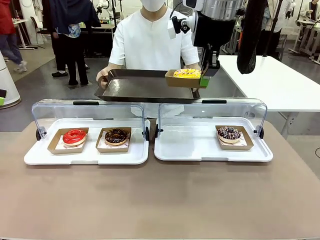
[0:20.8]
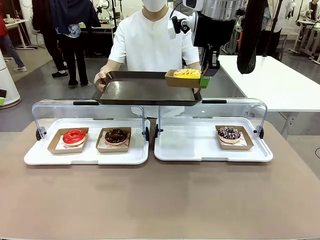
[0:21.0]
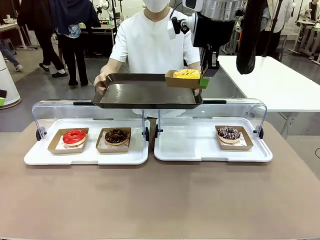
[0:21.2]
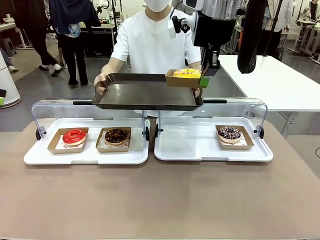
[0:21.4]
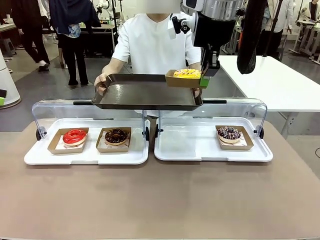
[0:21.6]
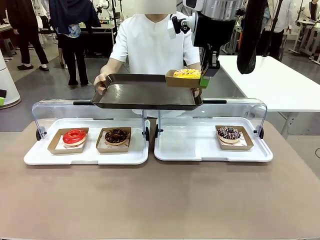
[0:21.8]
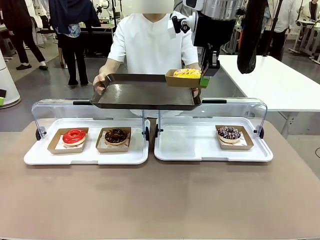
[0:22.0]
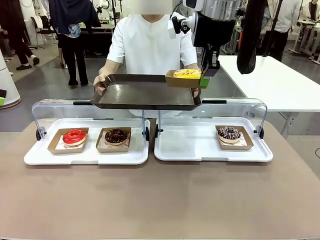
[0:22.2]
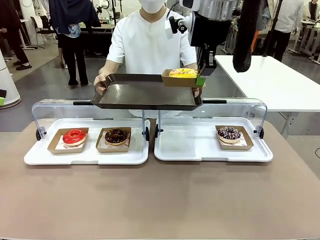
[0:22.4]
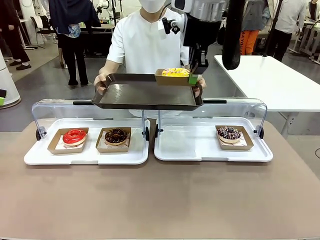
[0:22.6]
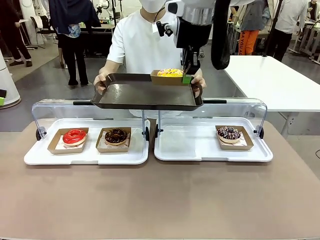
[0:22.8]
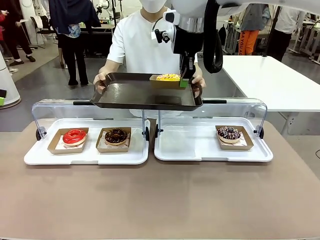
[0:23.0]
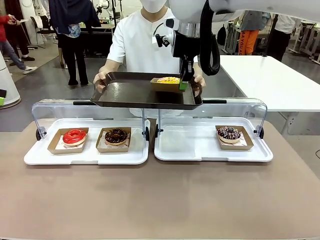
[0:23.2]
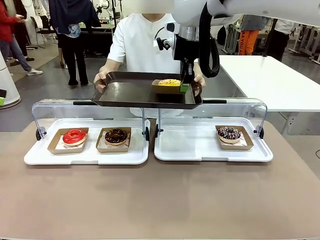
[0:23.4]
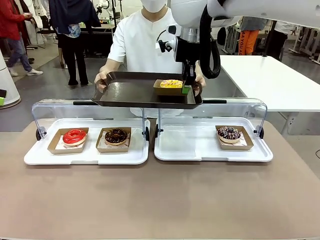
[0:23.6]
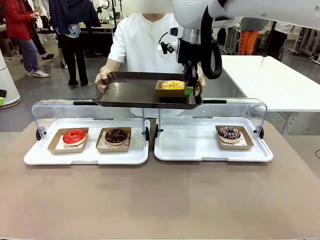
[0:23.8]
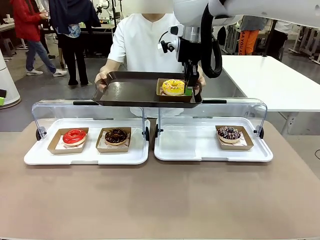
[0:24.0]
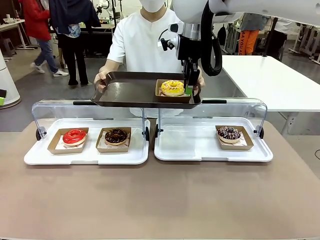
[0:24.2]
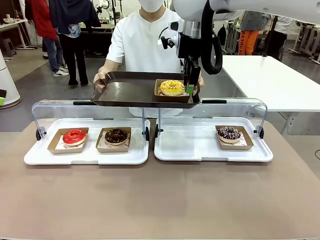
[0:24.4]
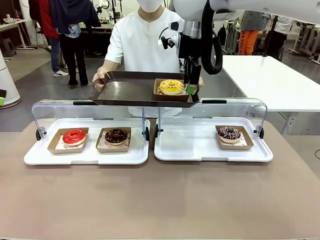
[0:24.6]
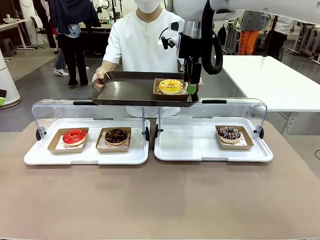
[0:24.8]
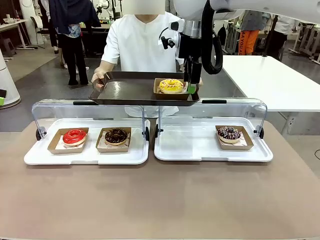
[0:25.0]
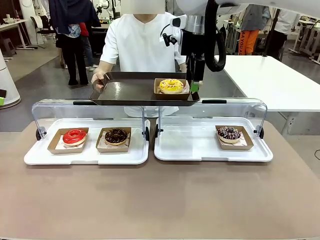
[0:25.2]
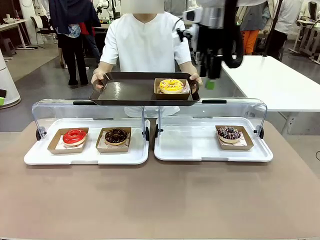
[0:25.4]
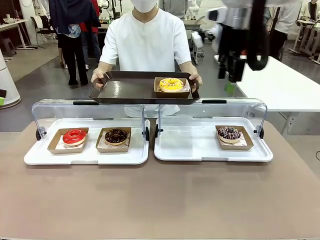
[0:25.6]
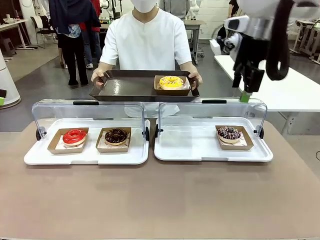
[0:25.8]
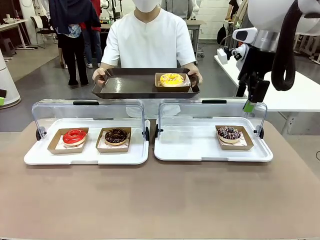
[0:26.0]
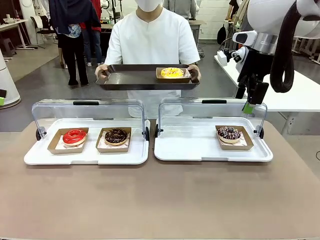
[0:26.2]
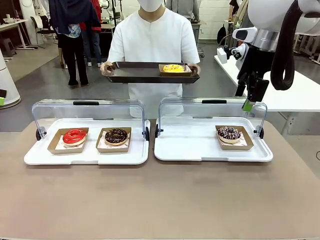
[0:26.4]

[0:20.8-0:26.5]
Task: Provide the desired donut to the person.
Robot: Place the picked Paper togo box onto the Handle tray extended by the person.

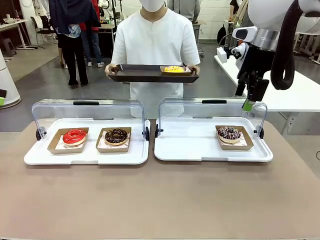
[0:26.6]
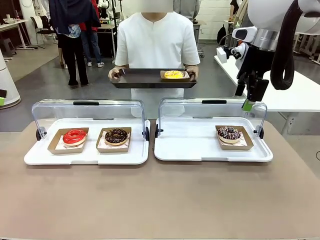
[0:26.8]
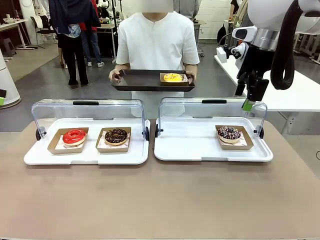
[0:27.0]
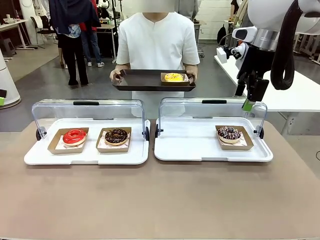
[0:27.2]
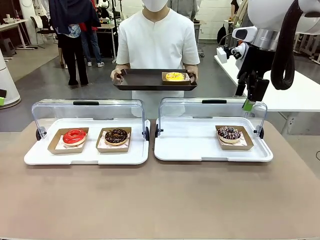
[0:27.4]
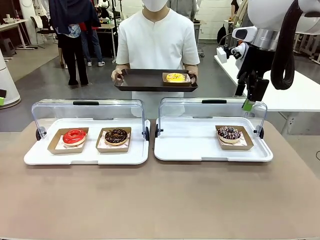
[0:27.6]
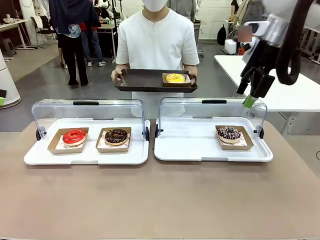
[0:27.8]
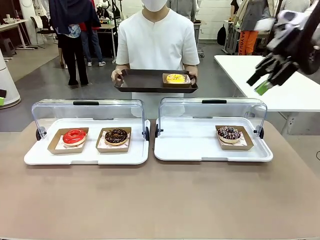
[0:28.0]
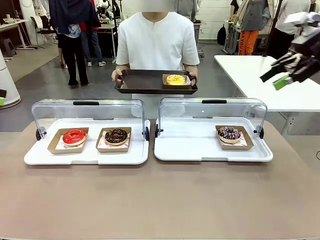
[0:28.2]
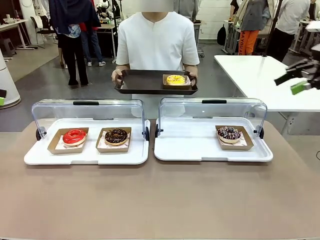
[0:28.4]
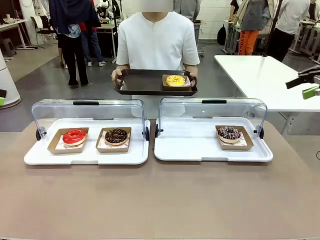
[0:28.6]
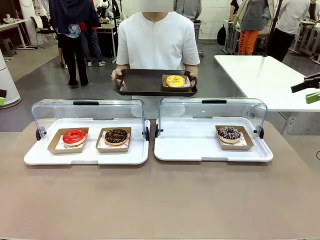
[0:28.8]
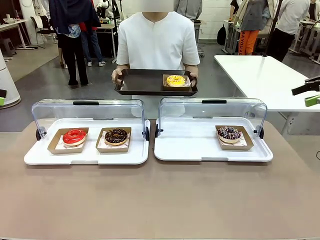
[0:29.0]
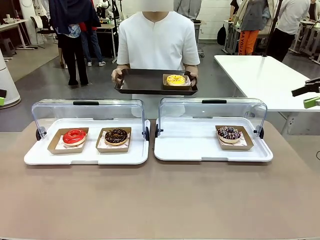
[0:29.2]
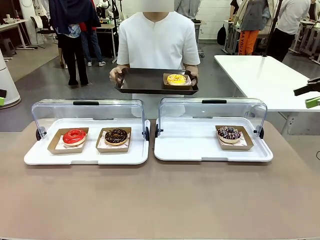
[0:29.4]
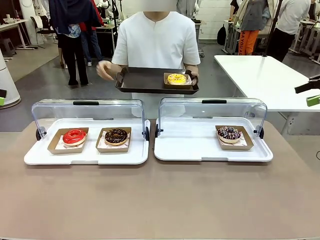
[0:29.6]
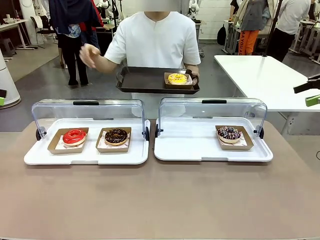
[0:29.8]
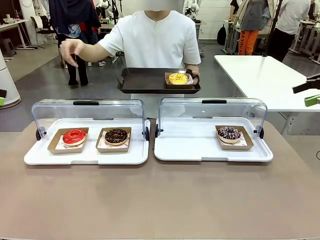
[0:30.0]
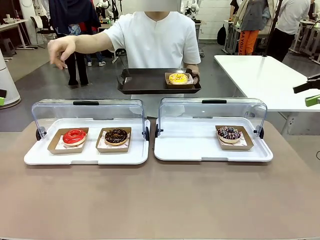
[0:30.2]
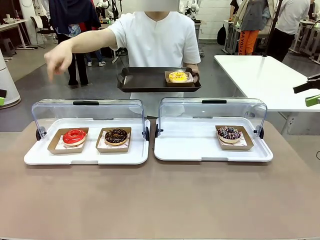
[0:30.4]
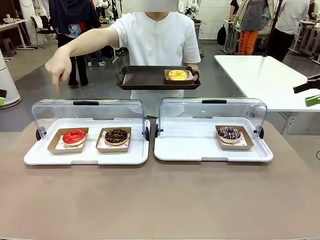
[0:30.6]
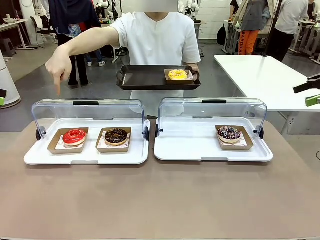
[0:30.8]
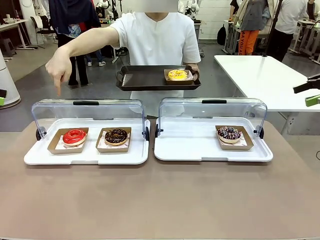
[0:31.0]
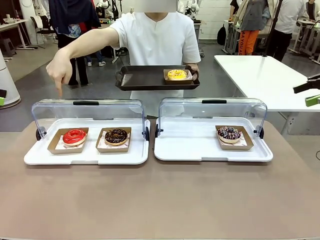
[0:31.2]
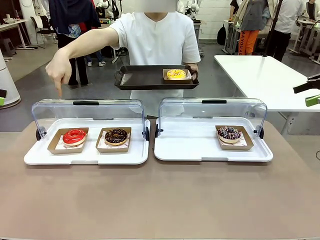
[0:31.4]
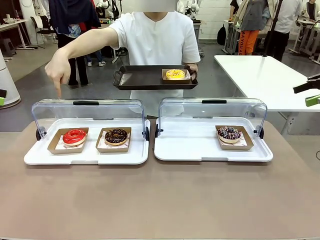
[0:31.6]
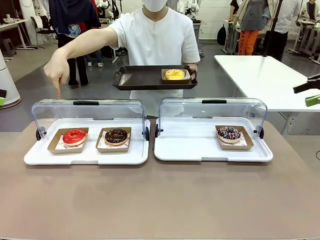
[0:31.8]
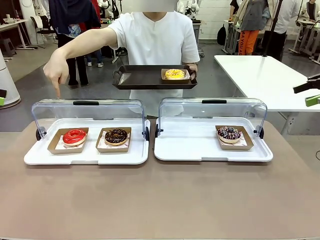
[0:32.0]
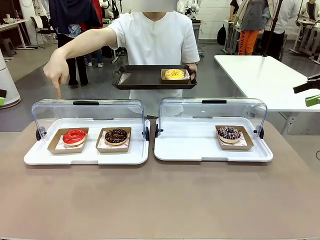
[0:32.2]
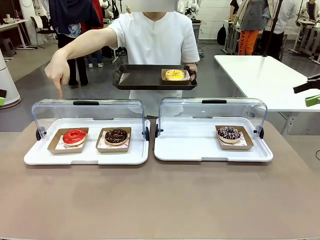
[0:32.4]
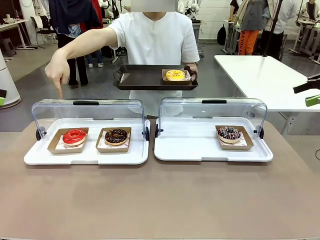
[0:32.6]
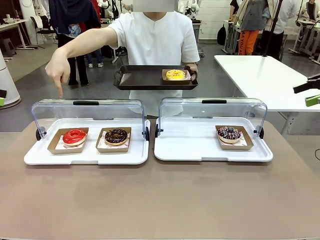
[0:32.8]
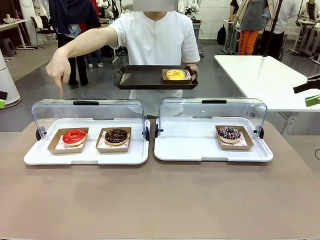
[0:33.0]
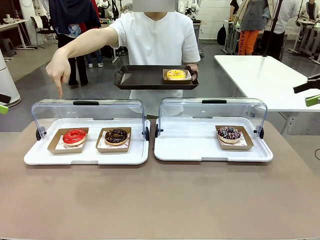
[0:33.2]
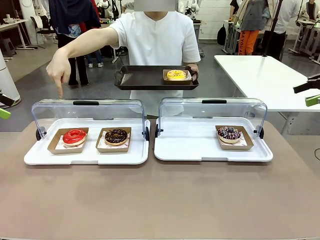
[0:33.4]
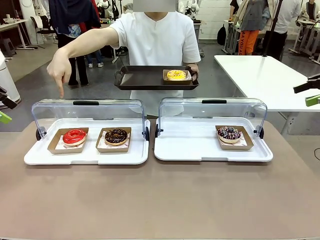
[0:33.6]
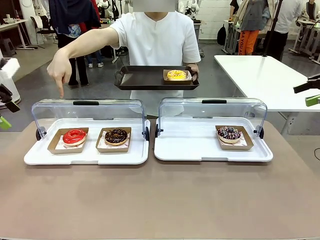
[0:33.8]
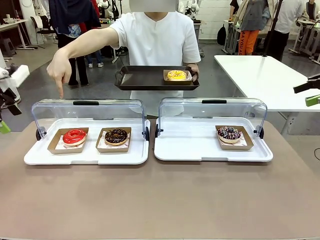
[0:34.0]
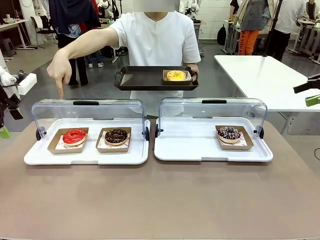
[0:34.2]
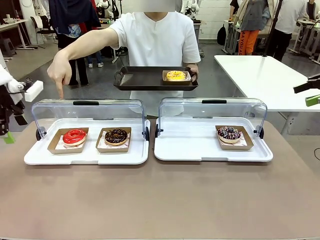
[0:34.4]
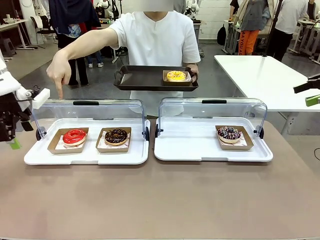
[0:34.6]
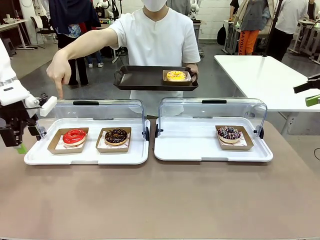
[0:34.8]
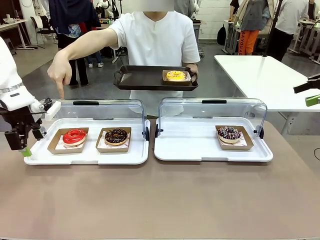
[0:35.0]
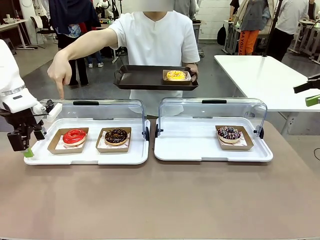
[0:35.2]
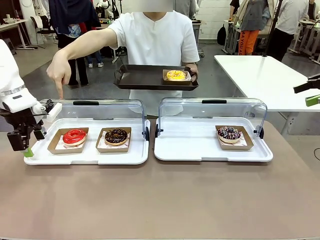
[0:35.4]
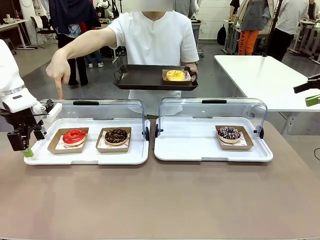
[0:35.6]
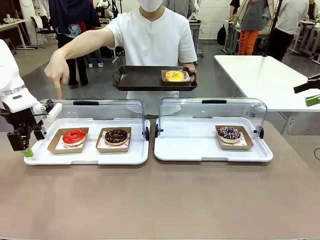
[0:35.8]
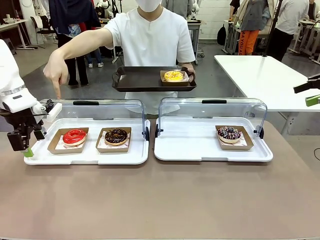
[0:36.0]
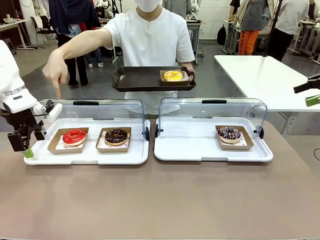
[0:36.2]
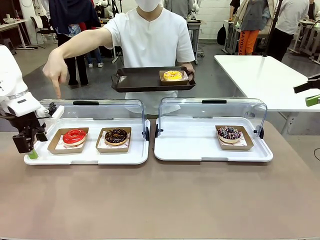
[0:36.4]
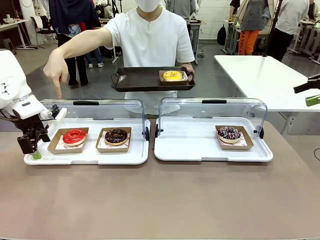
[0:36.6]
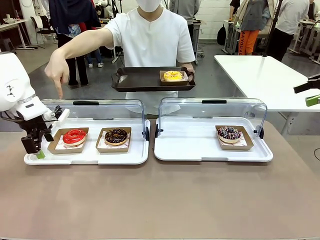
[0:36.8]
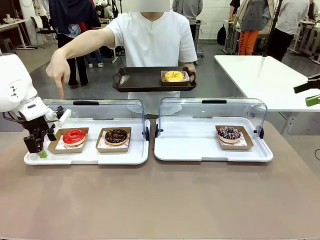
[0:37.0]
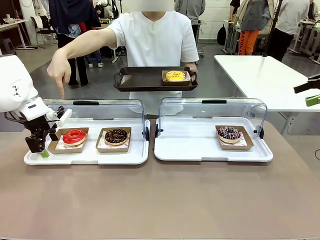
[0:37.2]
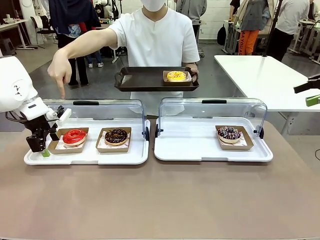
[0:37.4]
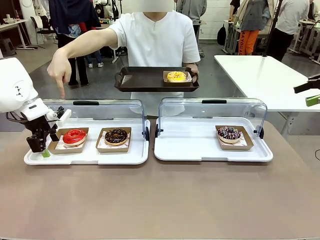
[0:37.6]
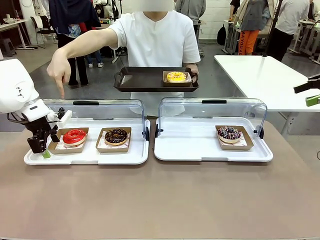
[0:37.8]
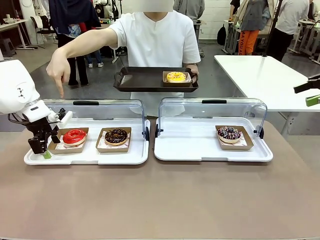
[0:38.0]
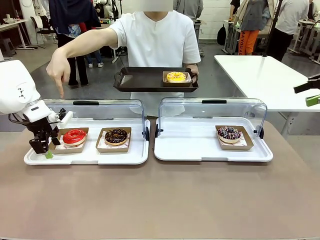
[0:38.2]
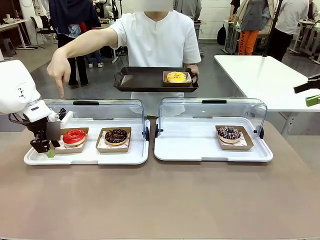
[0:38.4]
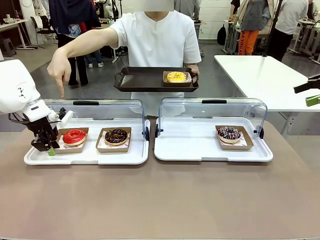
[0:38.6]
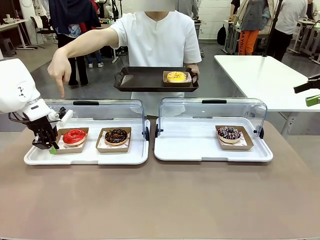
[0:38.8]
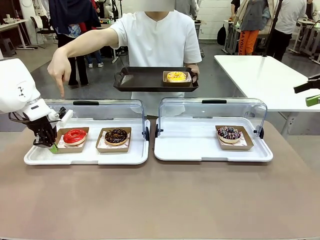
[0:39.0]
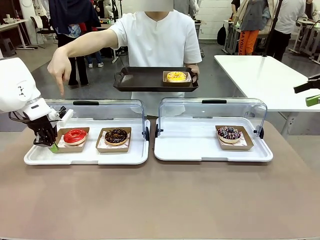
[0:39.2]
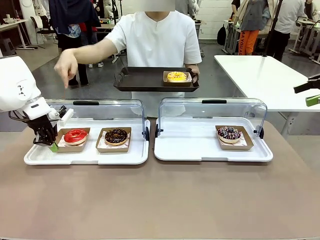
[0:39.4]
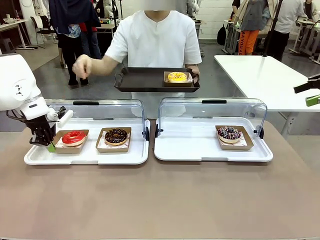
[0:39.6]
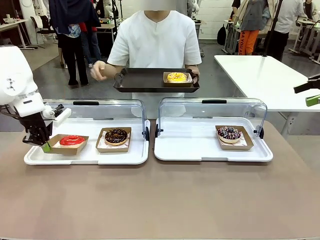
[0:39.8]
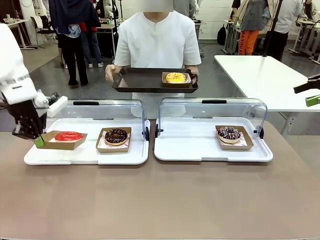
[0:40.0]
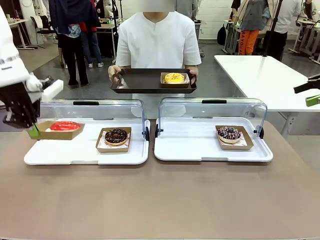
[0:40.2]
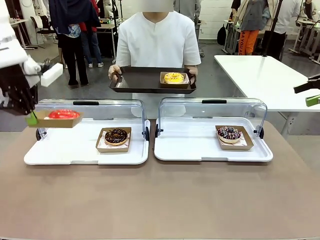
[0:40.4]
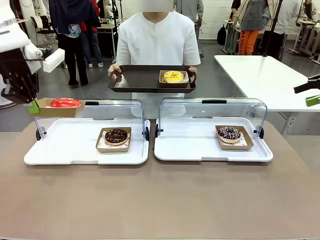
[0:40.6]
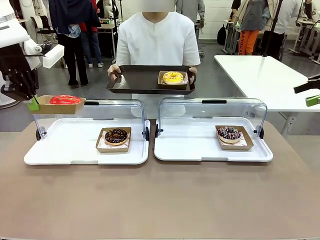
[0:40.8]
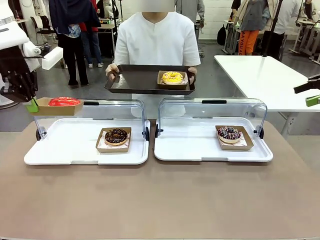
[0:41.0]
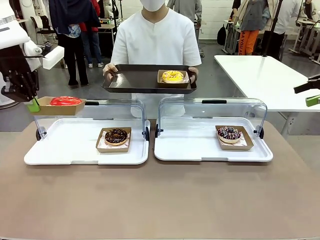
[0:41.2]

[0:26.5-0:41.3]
Robot: Pick up and lift the Paper togo box containing the Donut pointed at by the person.
Person: Point to one donut.
